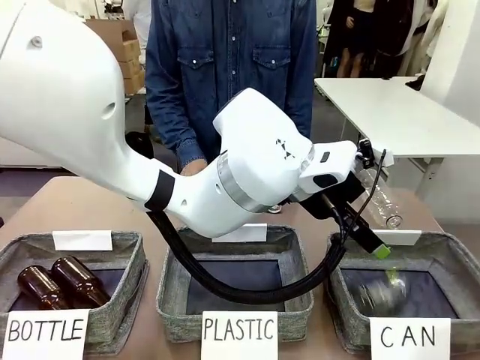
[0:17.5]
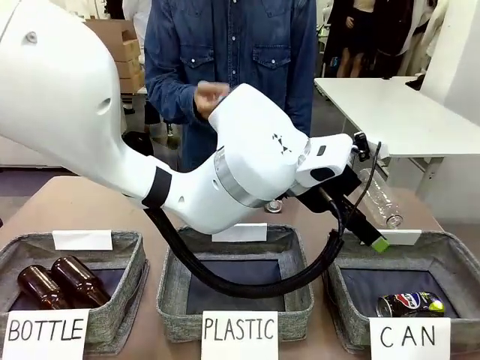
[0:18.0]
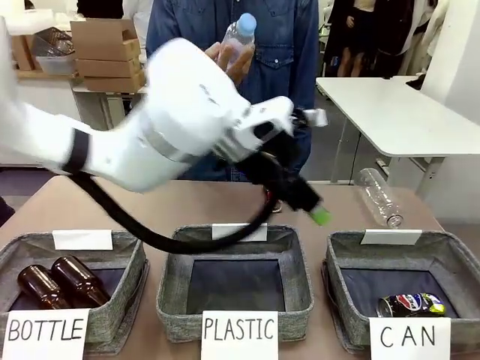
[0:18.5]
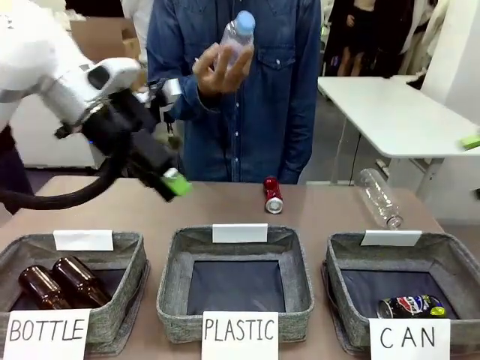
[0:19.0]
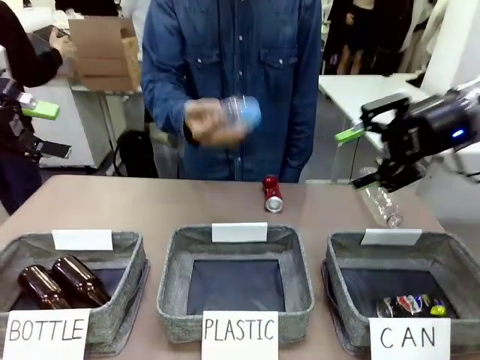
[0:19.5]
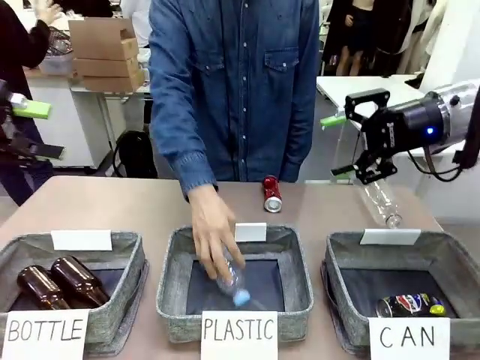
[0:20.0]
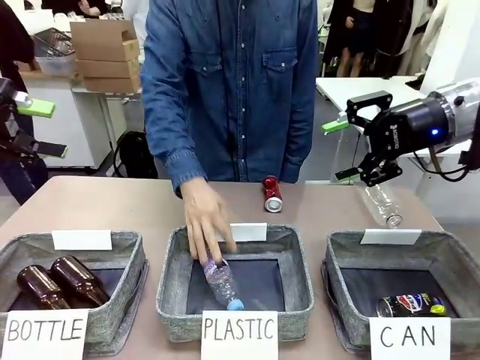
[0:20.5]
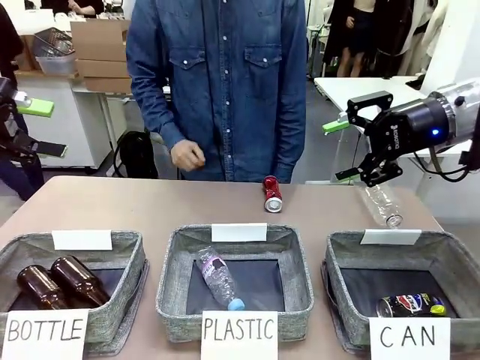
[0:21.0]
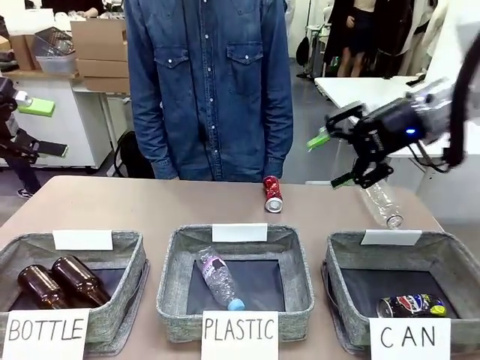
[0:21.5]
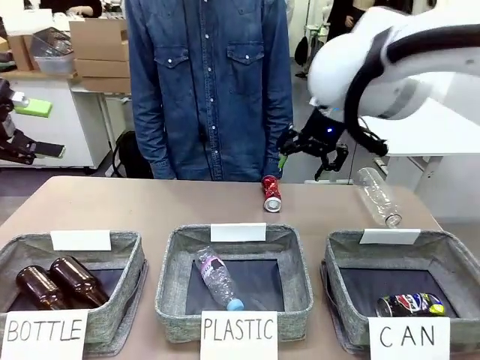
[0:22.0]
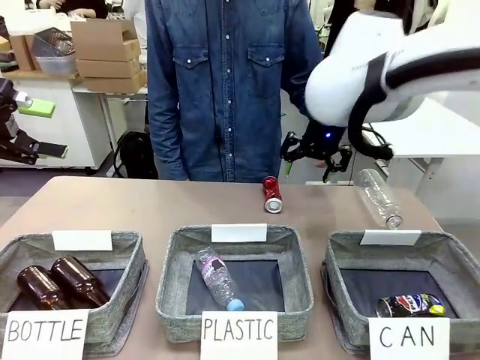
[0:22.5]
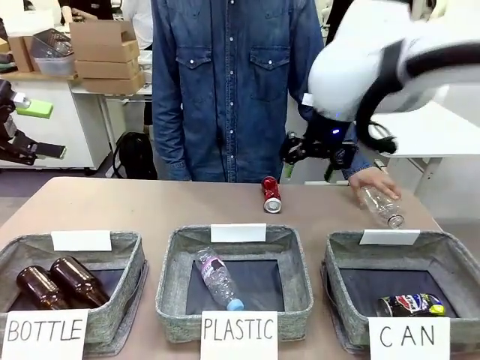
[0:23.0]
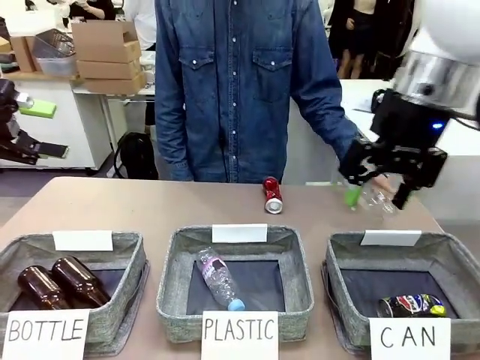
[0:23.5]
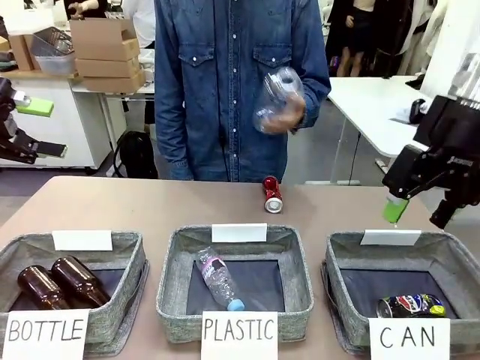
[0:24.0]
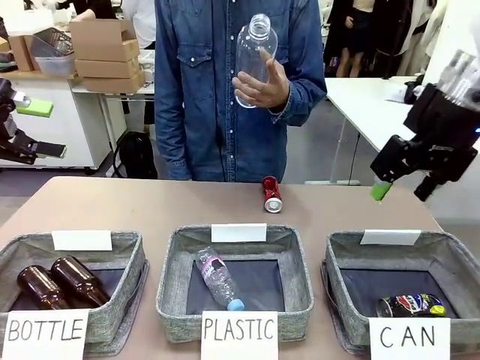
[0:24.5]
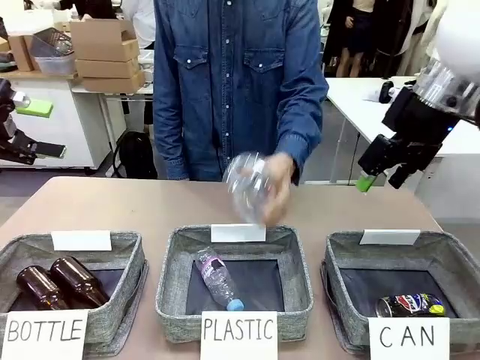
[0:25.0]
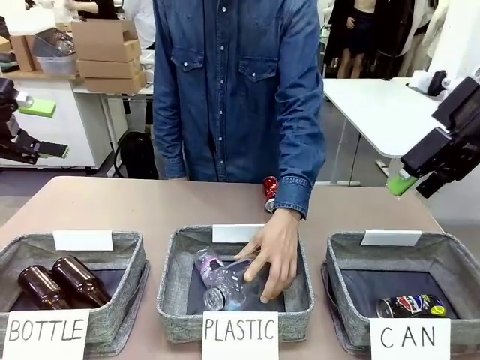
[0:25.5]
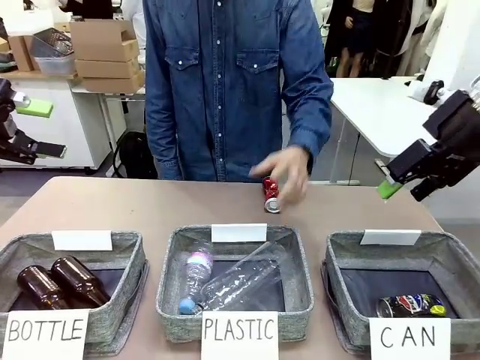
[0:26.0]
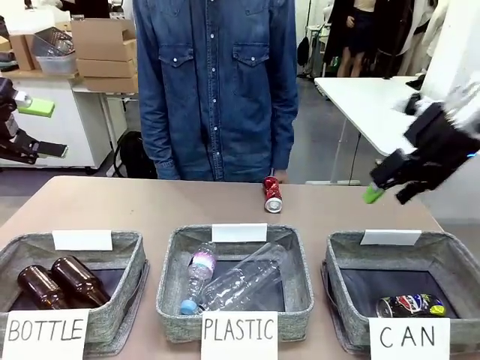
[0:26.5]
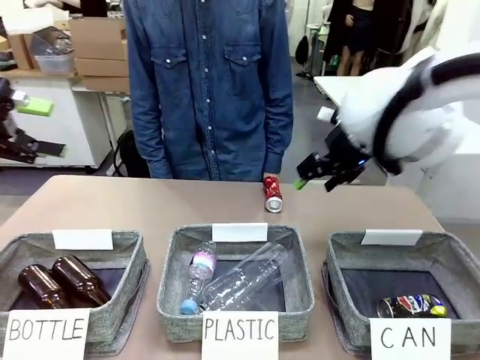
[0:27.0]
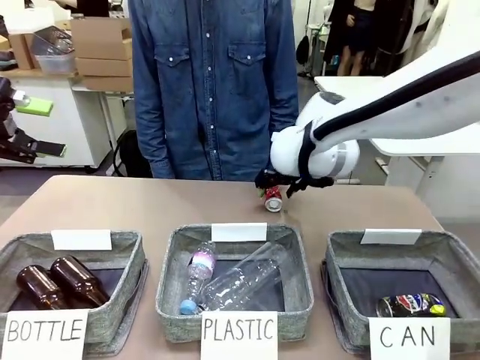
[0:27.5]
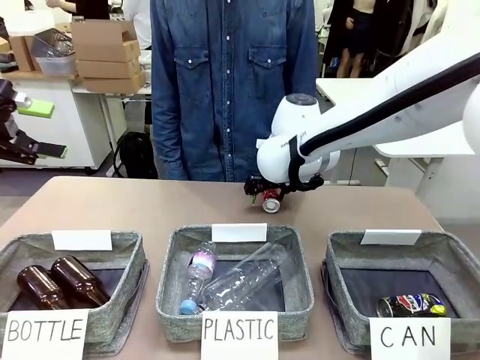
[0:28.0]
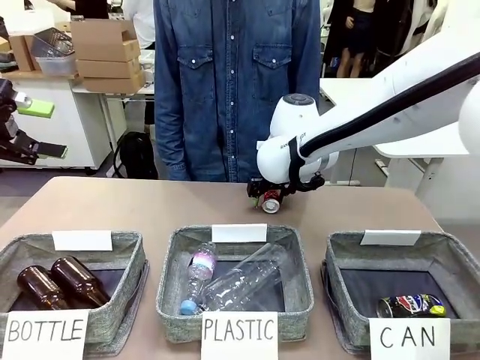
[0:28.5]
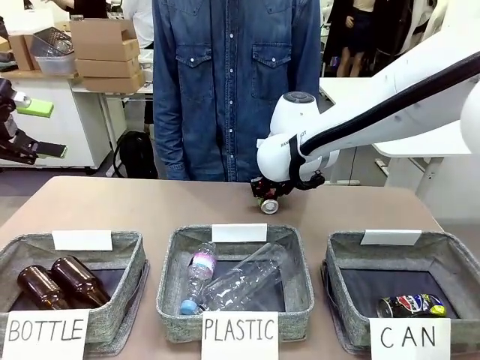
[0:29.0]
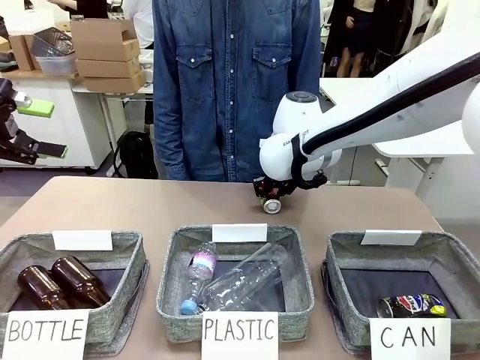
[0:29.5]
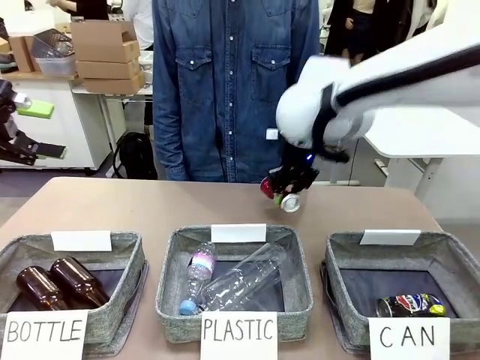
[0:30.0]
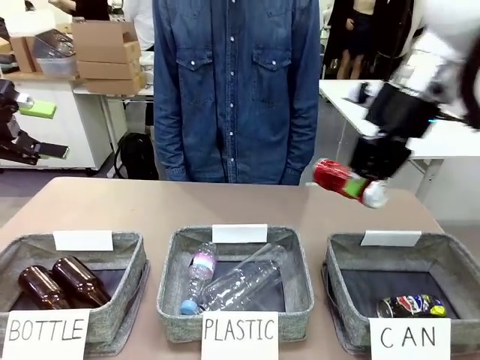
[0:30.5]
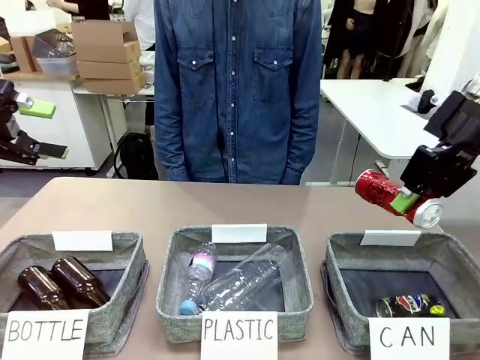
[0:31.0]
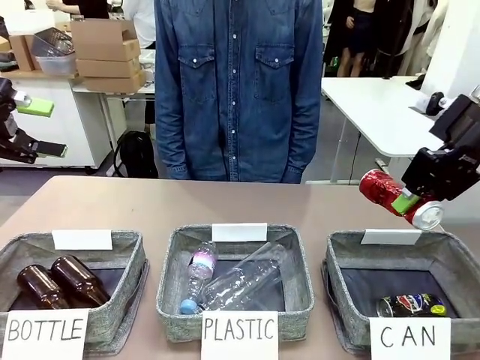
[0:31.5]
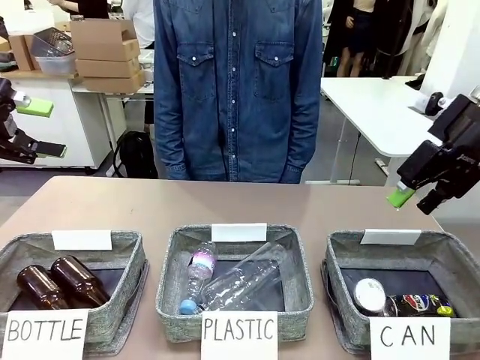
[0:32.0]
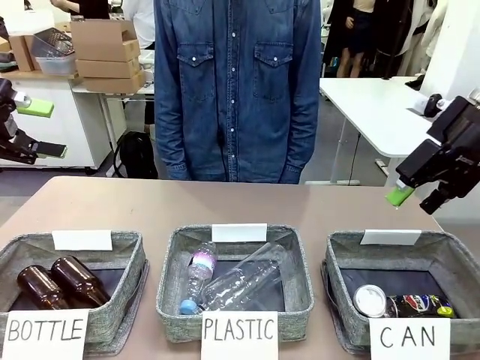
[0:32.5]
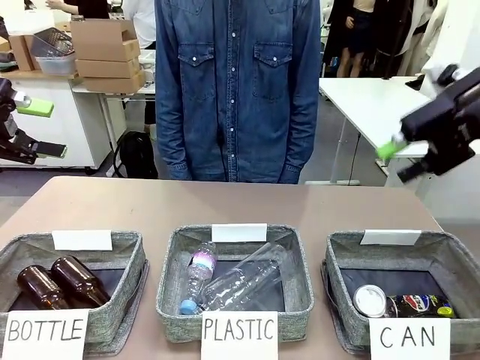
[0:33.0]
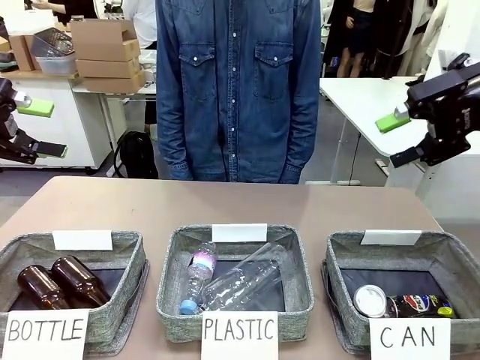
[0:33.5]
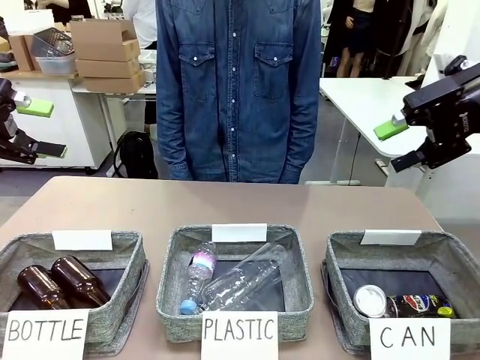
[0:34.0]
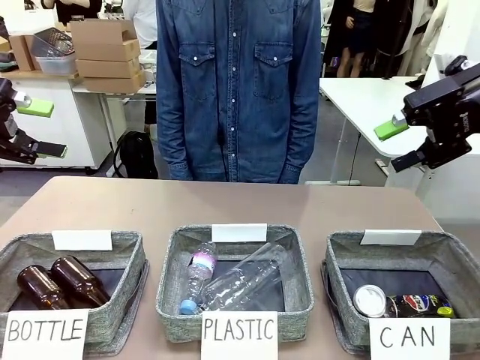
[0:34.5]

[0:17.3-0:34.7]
Task: Sort the can waste into the basket.
Robot: Pick up the can waste from the table and place it in the right Fabric basket.
Person: The human picks up one piece of trash that is not a can and places the trash into the appropriate organizing basket.

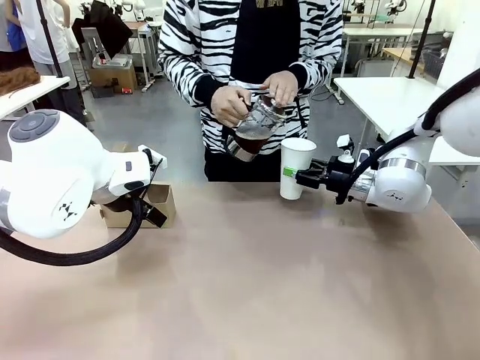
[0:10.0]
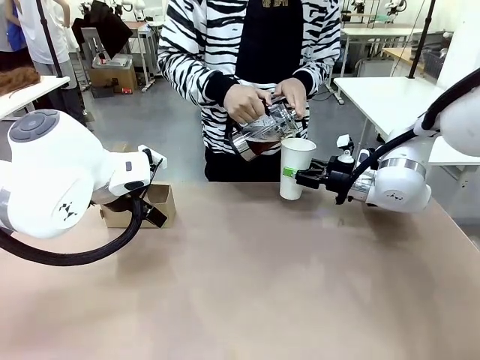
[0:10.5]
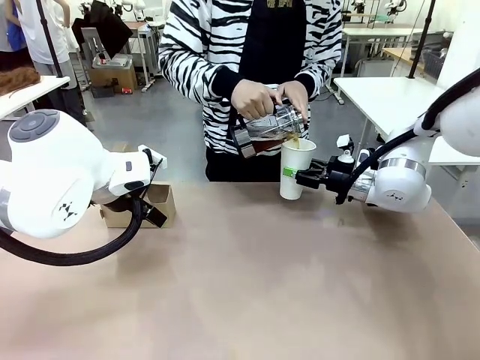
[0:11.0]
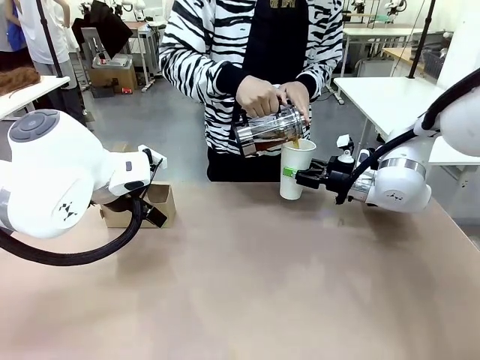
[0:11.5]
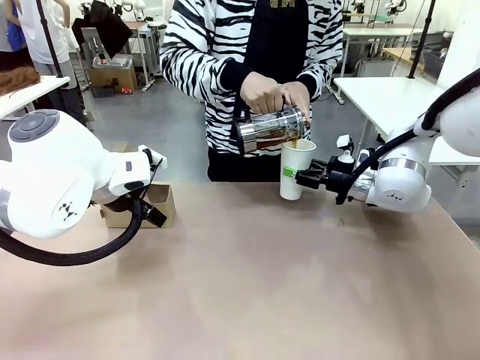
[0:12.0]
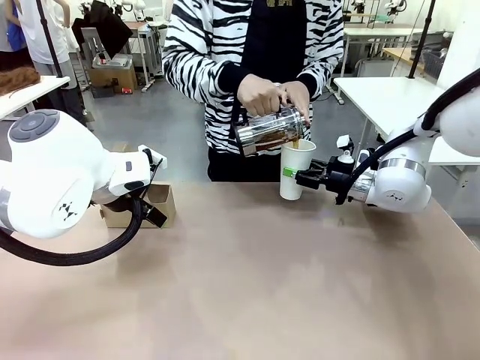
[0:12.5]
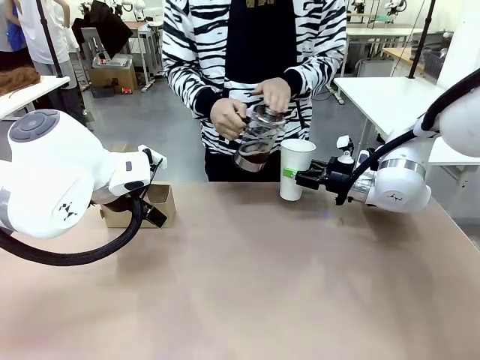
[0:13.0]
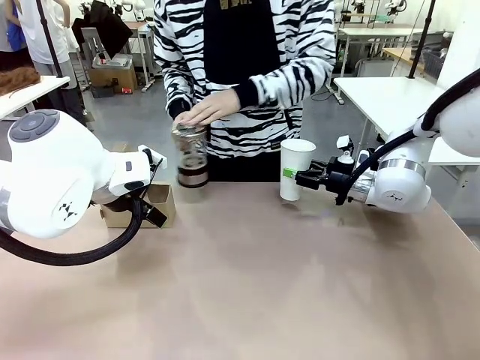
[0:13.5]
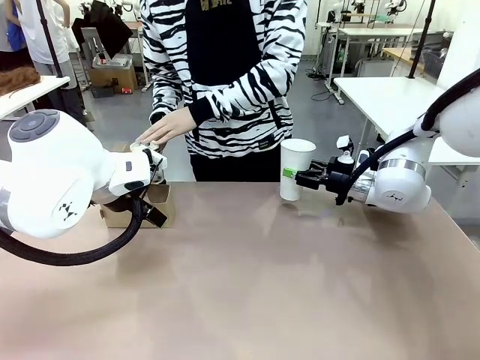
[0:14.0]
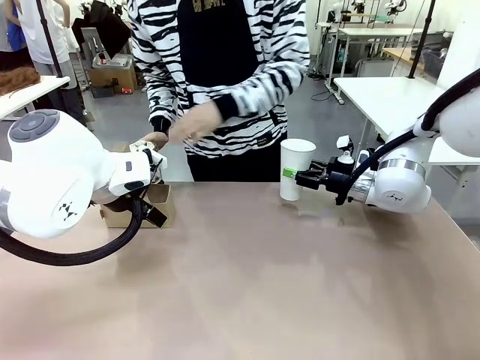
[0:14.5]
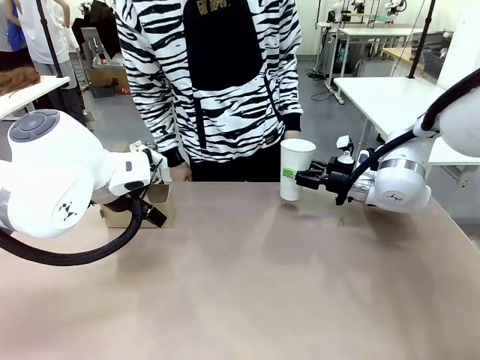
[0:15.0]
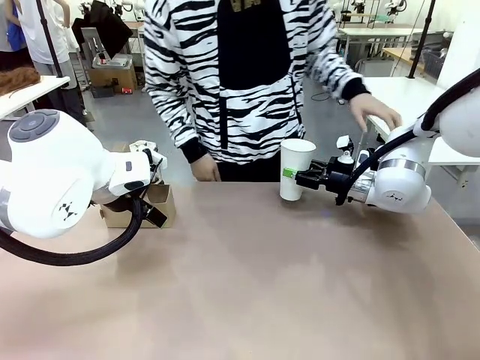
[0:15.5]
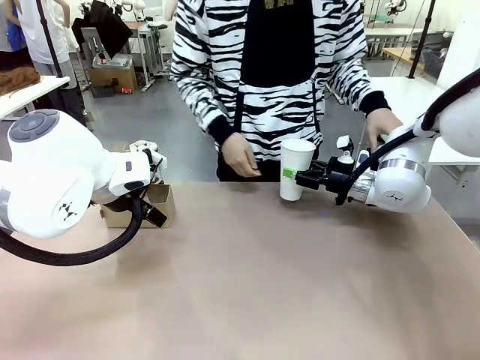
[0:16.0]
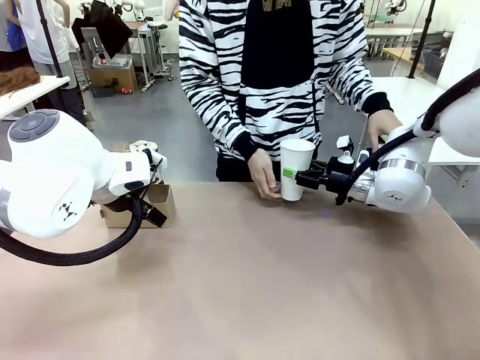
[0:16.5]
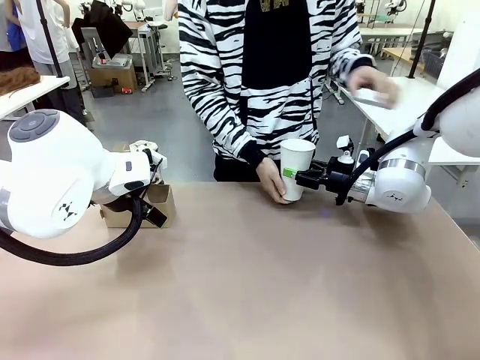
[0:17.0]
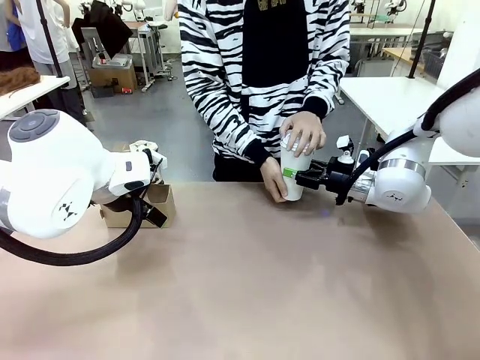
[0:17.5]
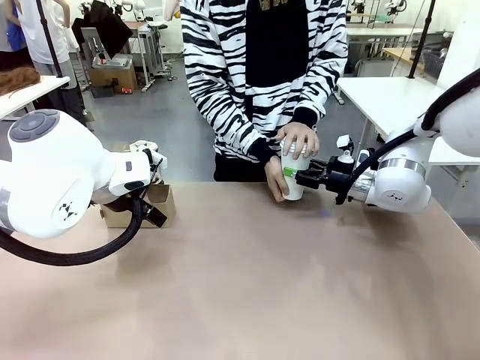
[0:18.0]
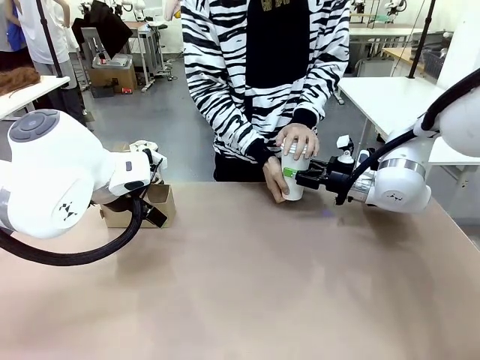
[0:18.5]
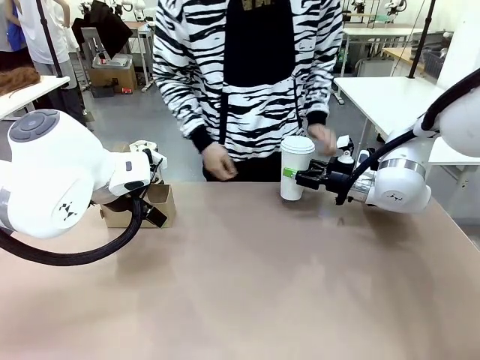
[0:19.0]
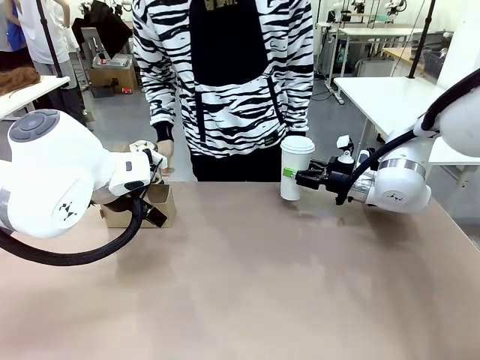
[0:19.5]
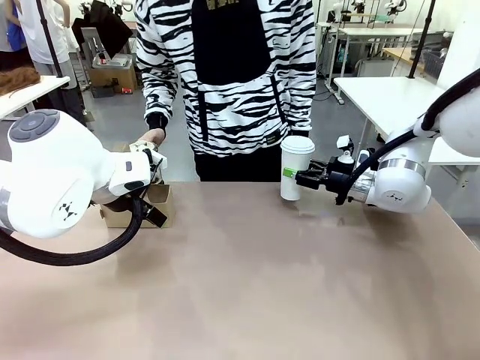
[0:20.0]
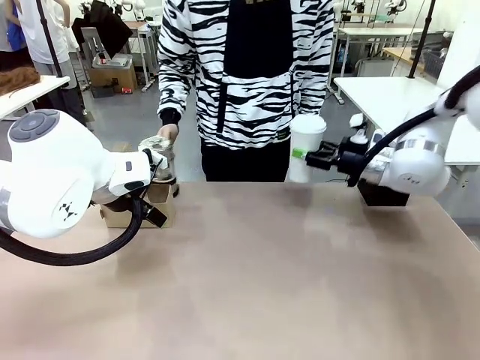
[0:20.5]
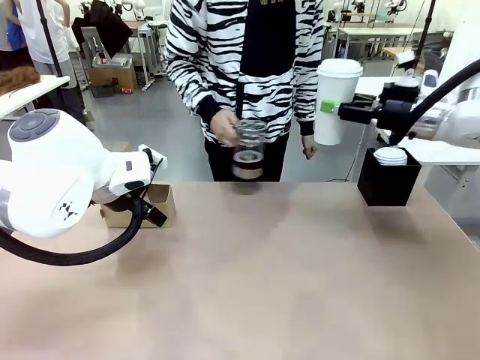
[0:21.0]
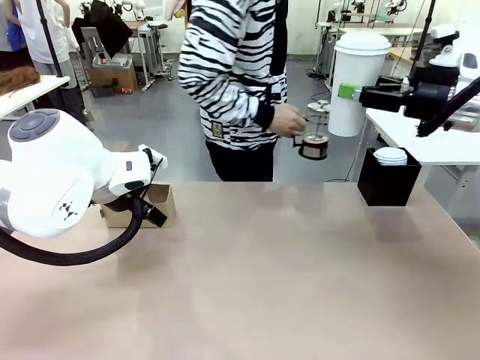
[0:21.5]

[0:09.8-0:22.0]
Task: Pour a drink into a cup and package it in a carrier.
Robot: When a person places the Paper Cup Lid on the 600 ml Paper Cup , lift the 600 ml Paper Cup.
Person: Pour the drink from the Filter Brewing into the 600 ml Paper Cup. Place a Paper Cup Lid on the 600 ml Paper Cup.
